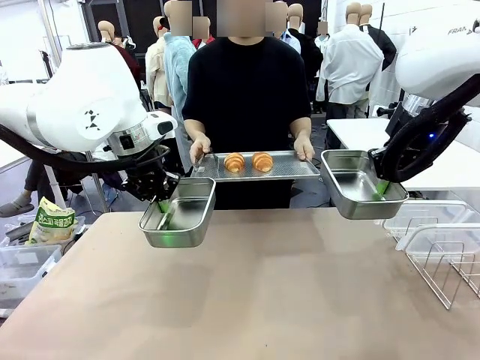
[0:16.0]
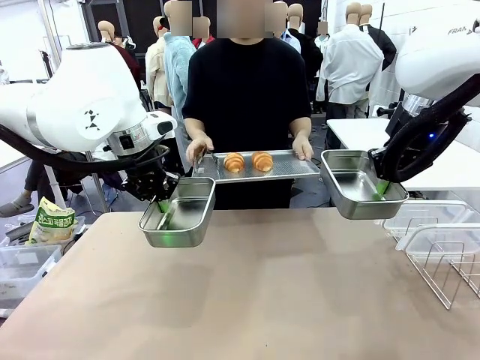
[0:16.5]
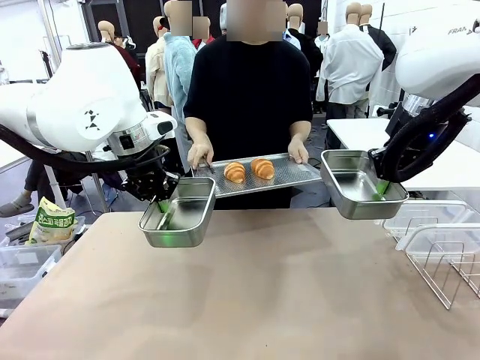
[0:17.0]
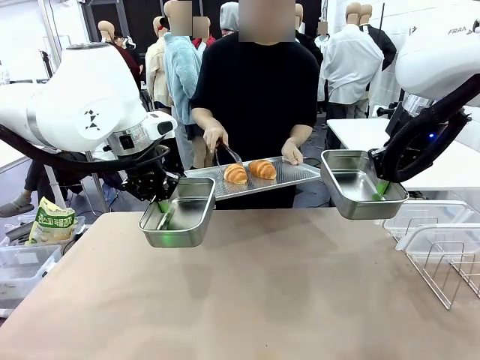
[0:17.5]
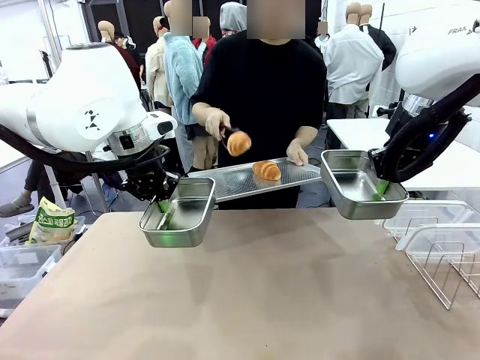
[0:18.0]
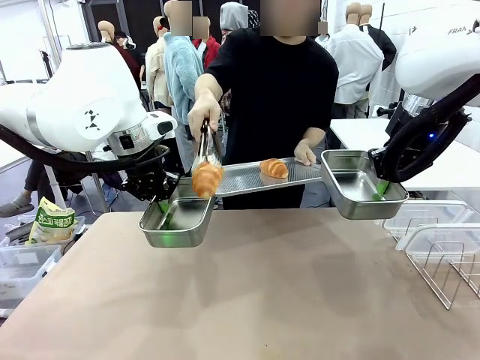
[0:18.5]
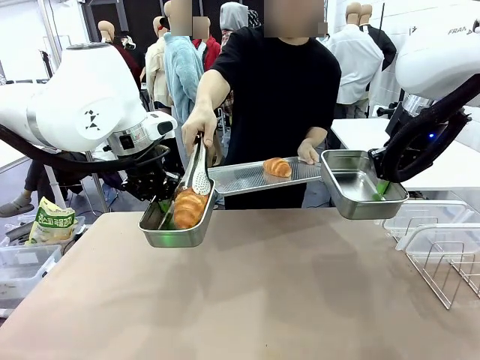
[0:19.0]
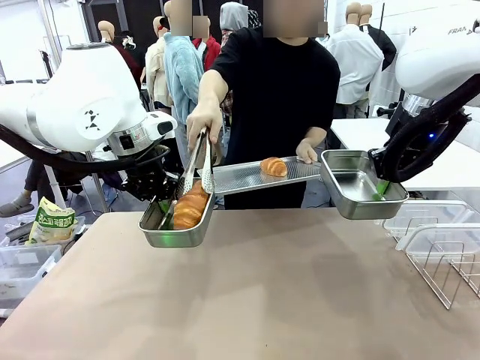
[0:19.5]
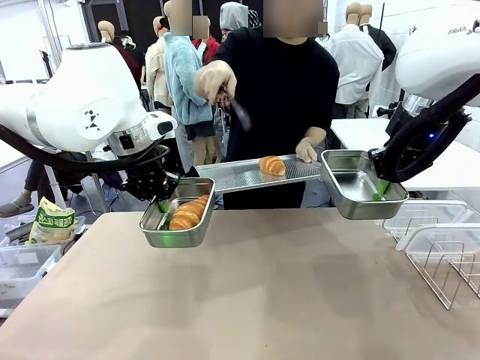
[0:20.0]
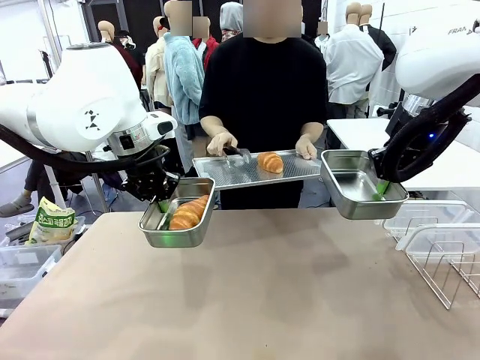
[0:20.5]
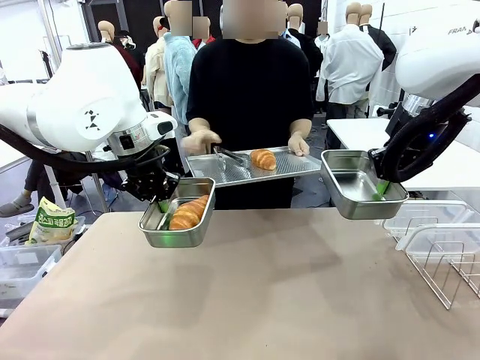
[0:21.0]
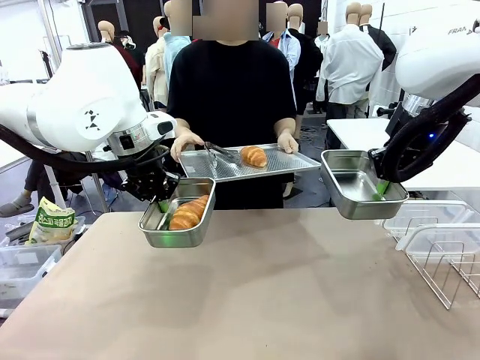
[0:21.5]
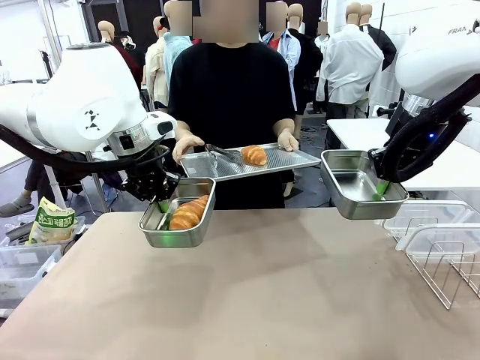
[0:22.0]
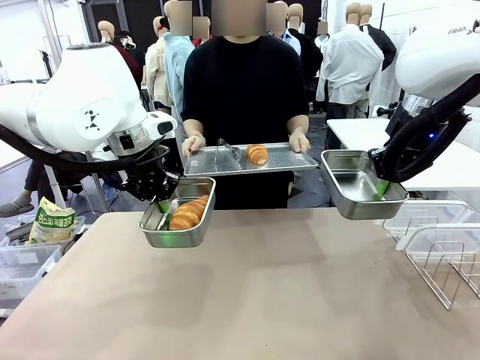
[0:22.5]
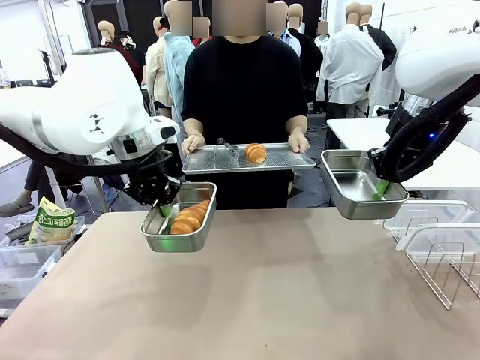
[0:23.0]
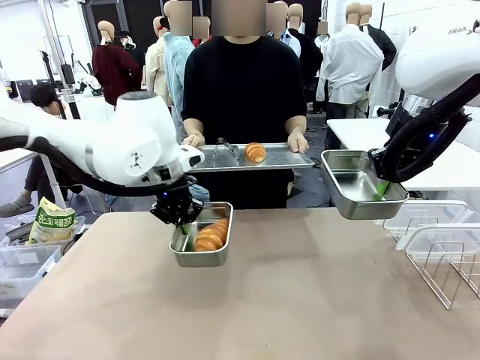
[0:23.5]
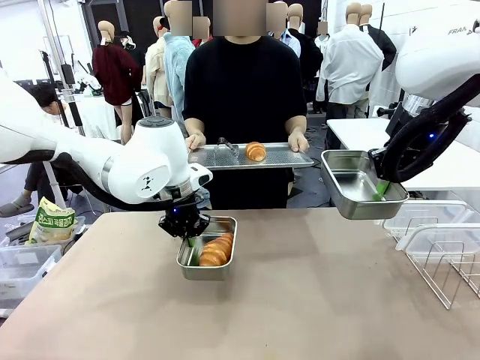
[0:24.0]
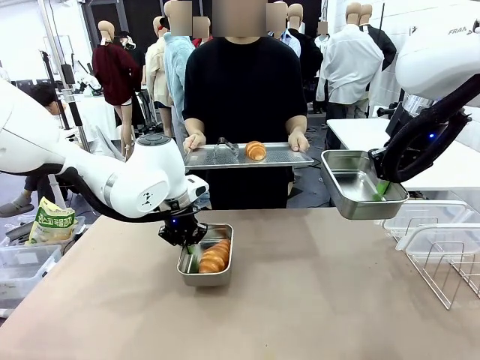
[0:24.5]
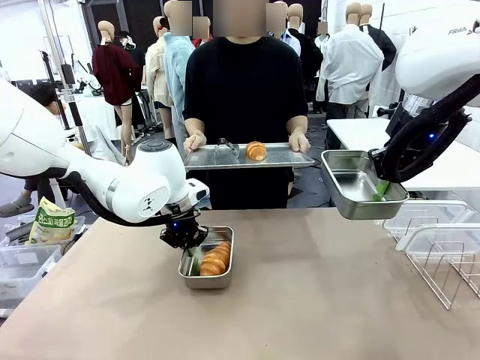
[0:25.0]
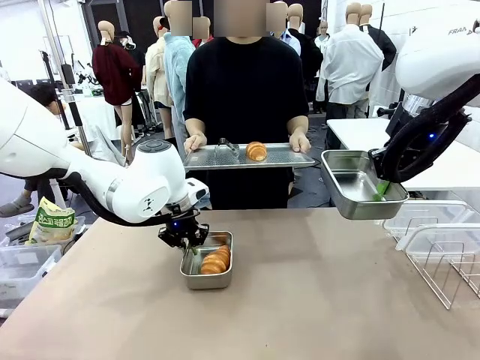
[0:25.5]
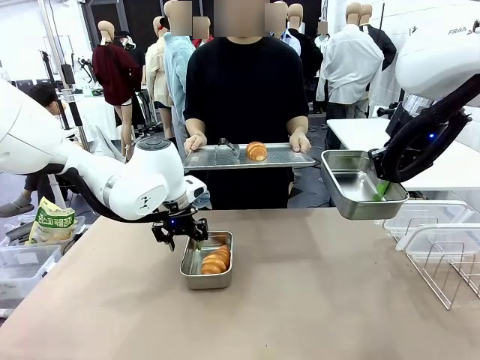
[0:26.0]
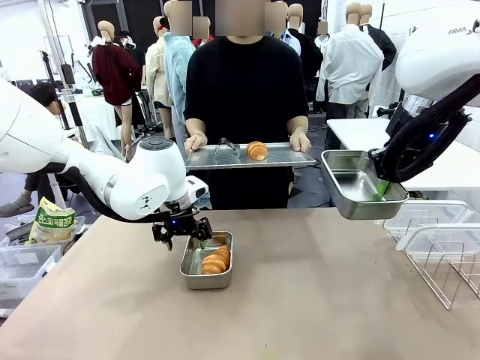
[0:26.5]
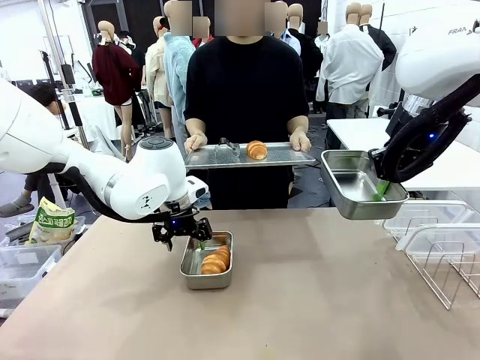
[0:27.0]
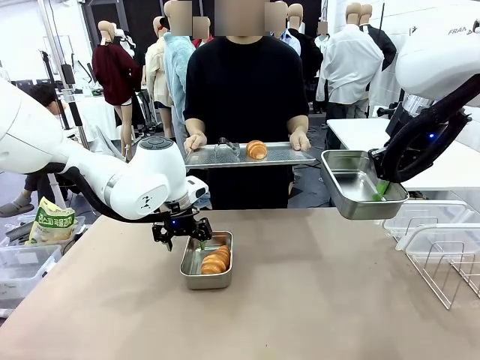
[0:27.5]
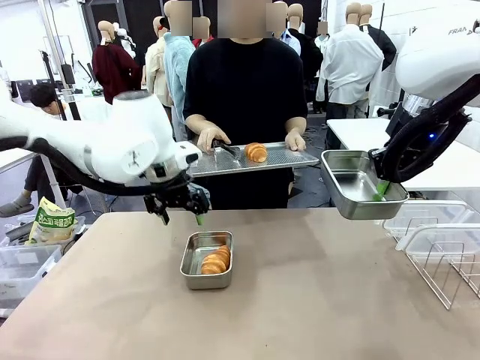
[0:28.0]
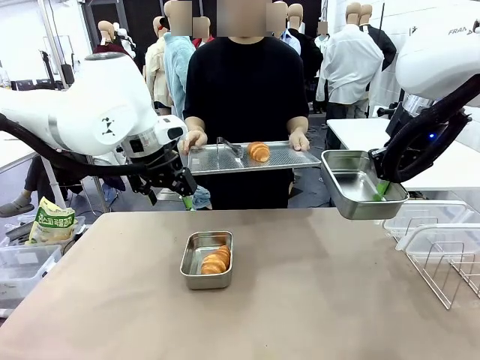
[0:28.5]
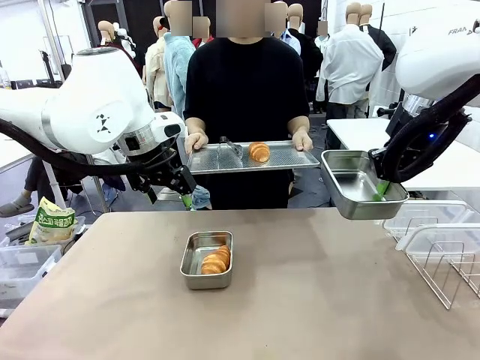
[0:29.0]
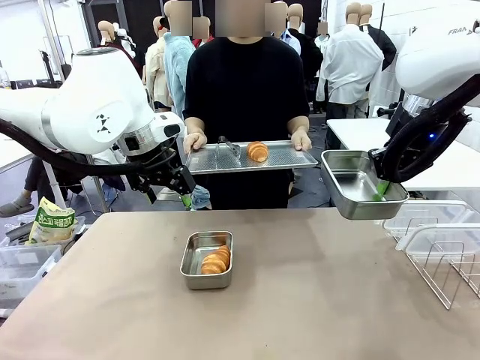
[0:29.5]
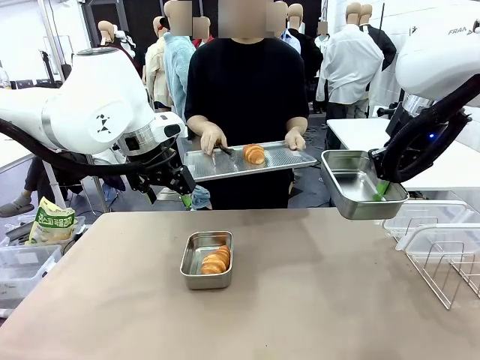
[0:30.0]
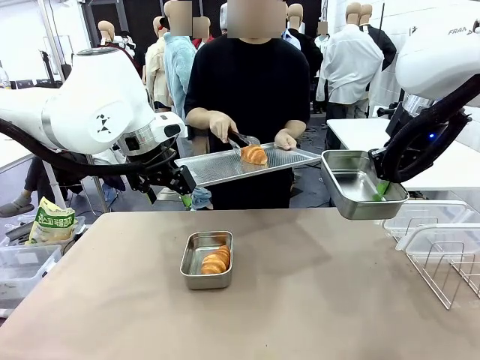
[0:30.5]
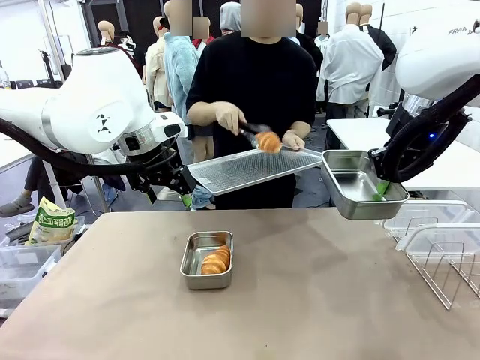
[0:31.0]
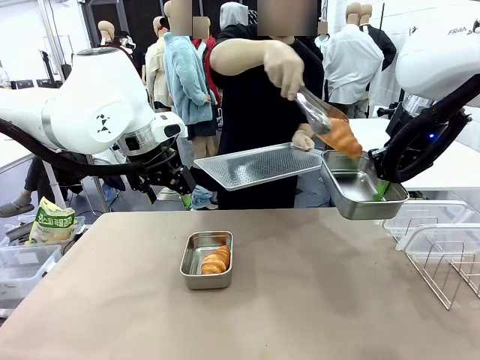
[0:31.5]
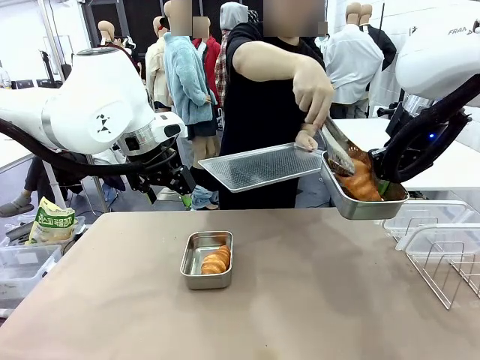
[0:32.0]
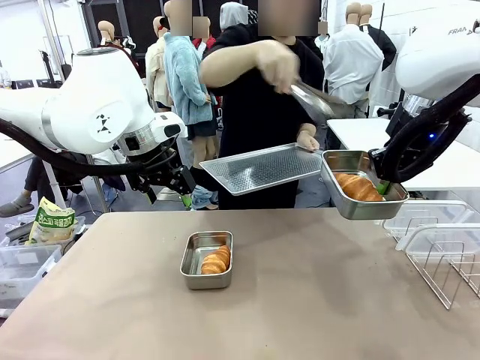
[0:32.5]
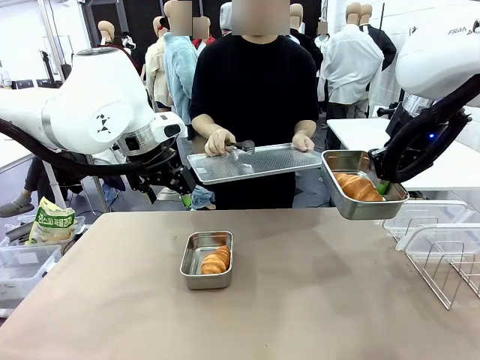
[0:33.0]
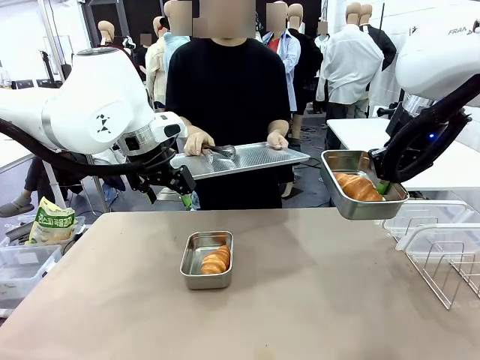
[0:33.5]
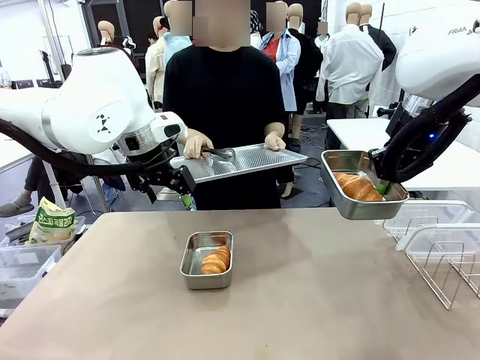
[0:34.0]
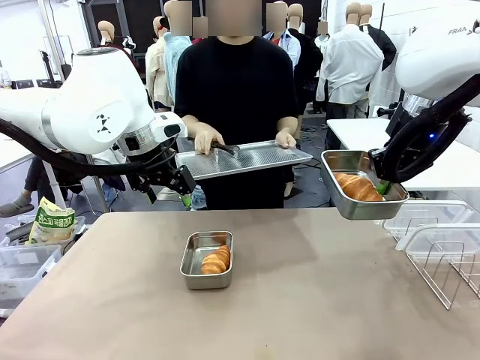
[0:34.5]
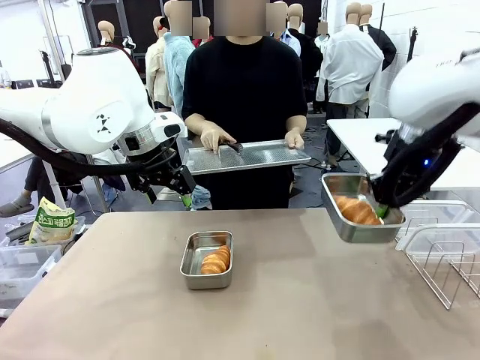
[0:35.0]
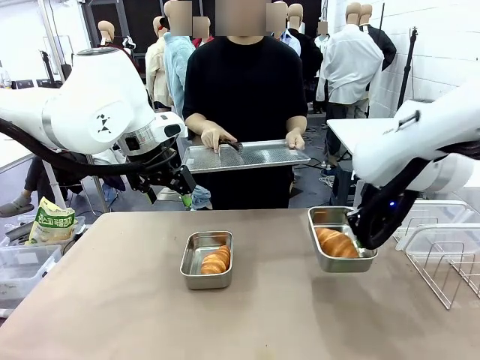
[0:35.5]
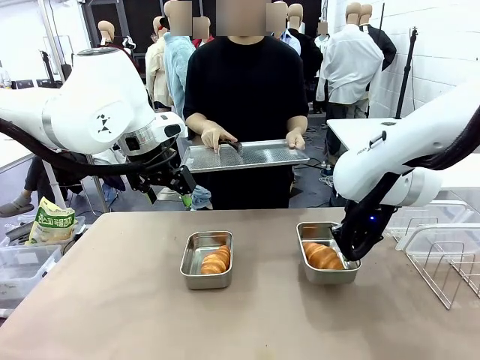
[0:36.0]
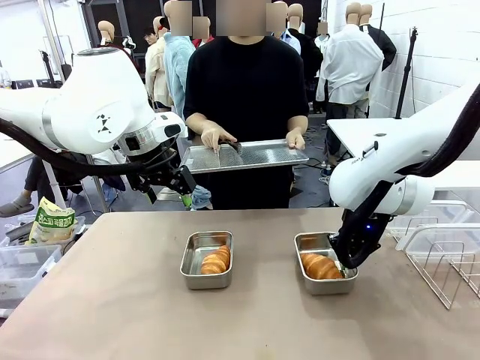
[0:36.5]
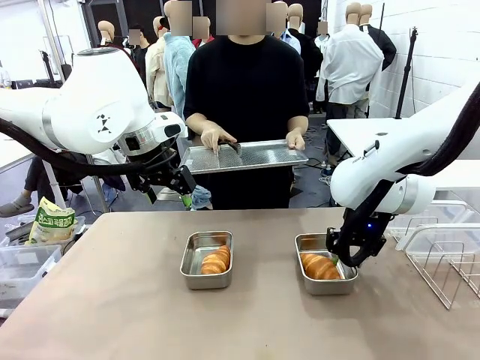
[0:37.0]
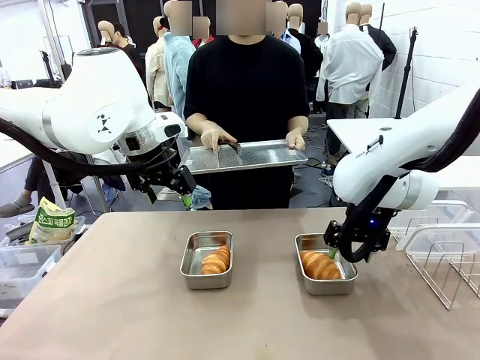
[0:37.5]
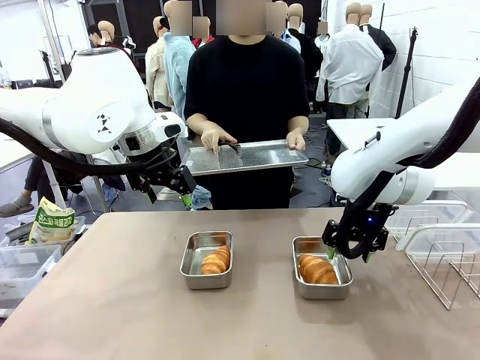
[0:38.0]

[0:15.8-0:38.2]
Task: Place the bread in airtight containers.
Robot: Once an object is inside an Airtight Container , place the container in the center of the table.
Person: Use the Stainless steel tongs to place one object from Baking Sheet into one Airtight Container.

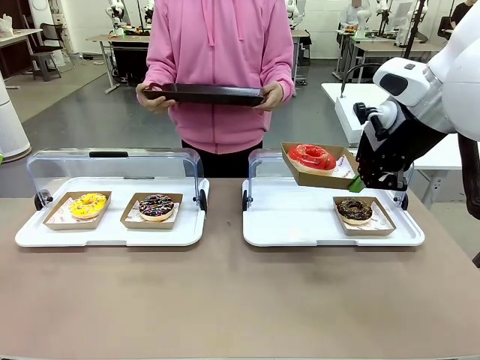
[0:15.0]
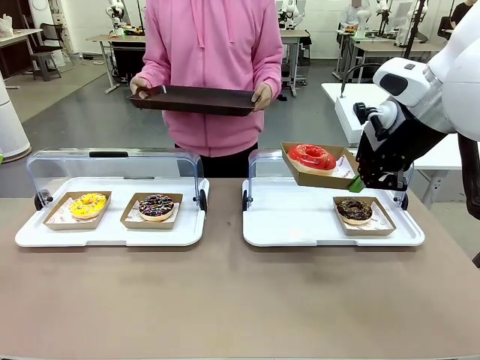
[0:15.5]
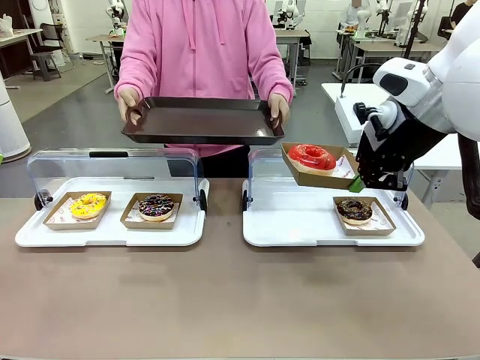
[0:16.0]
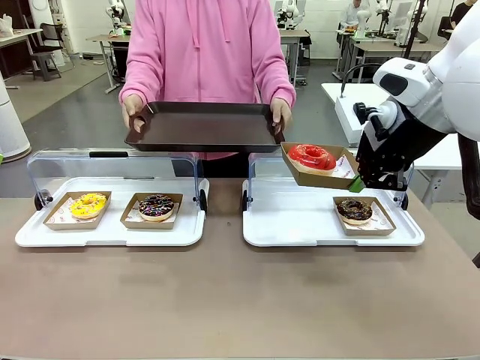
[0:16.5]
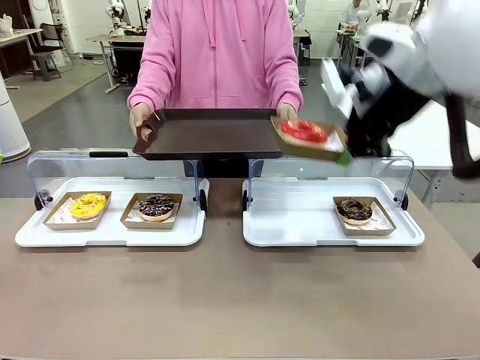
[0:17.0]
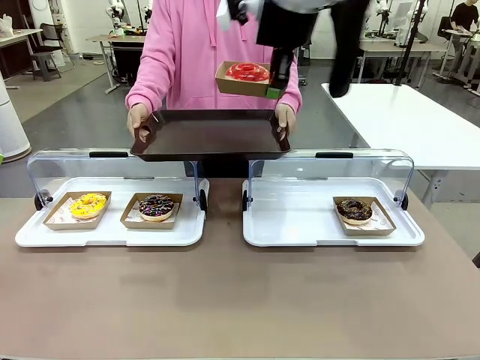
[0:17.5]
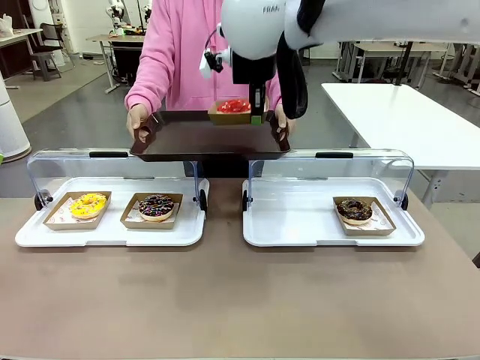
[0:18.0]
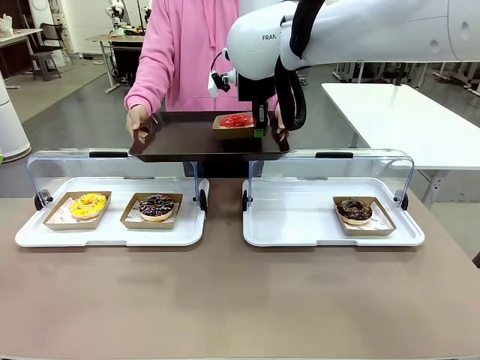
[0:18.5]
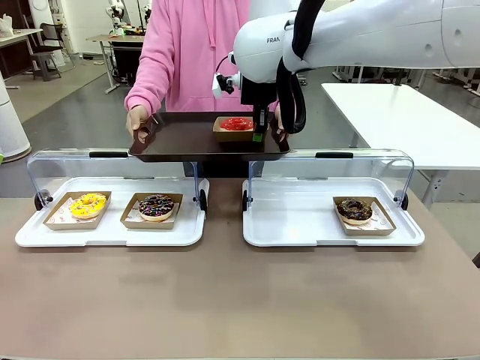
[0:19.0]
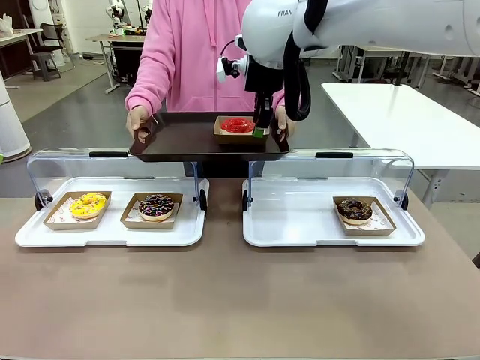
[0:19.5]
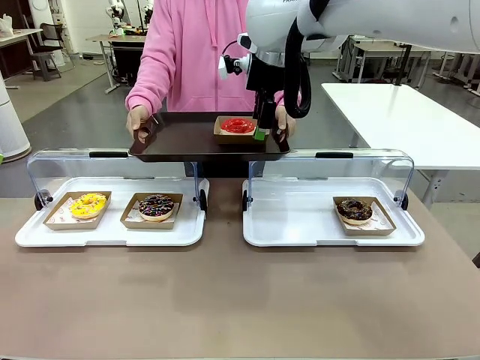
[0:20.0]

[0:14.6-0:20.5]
Task: Provide the desired donut to the person.
Robot: Place the picked Paper togo box onto the Handle tray extended by the person.
